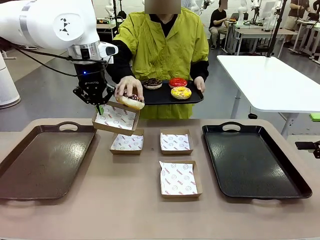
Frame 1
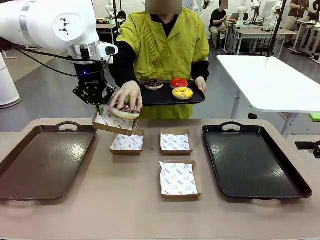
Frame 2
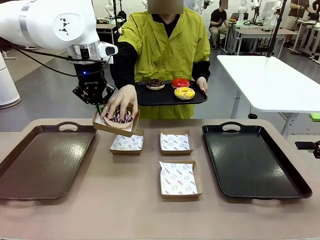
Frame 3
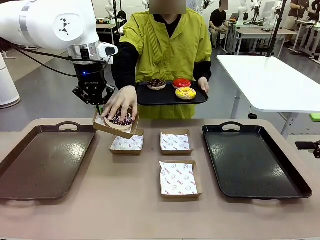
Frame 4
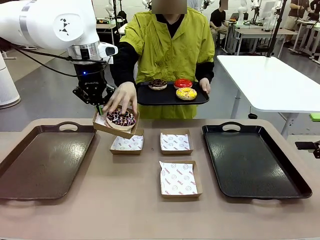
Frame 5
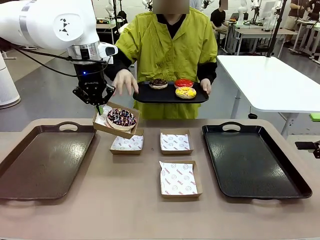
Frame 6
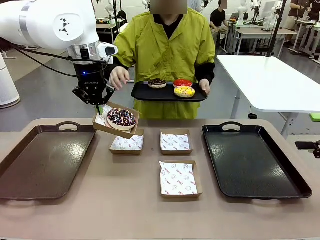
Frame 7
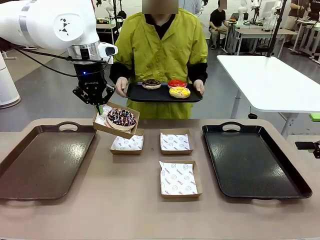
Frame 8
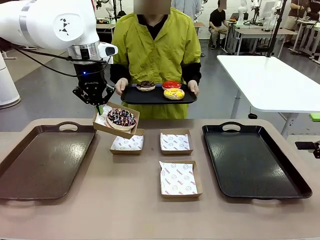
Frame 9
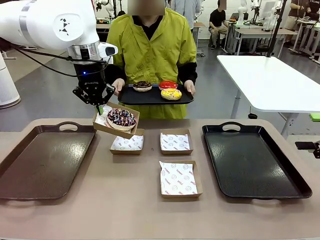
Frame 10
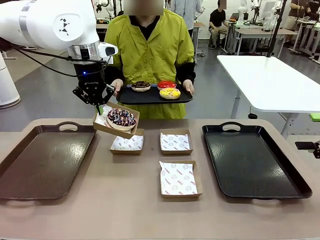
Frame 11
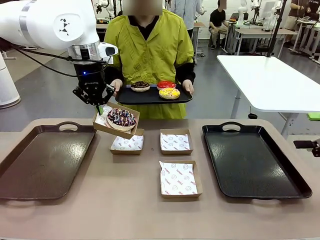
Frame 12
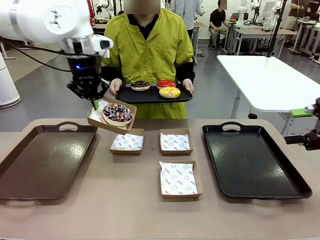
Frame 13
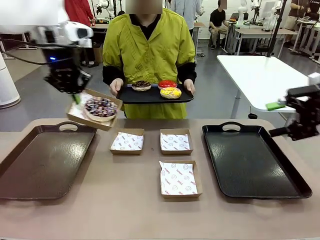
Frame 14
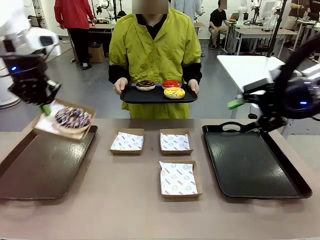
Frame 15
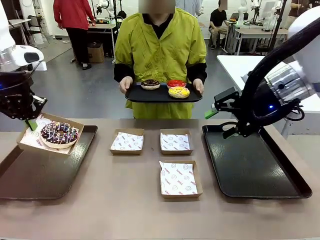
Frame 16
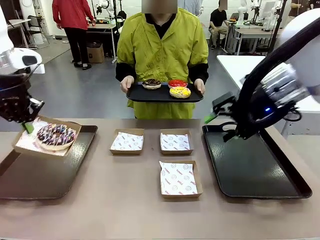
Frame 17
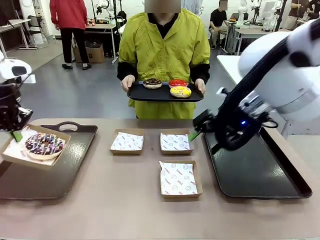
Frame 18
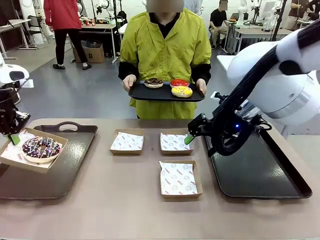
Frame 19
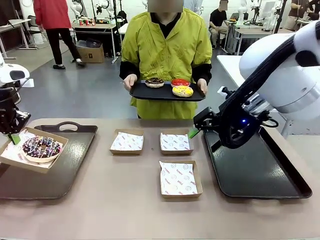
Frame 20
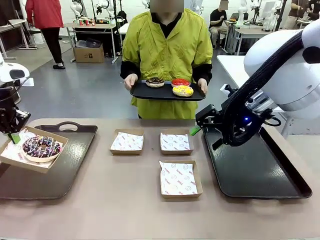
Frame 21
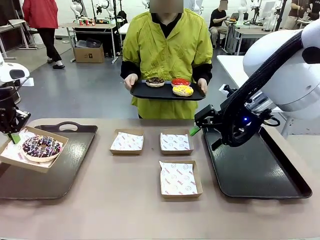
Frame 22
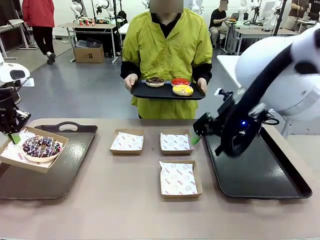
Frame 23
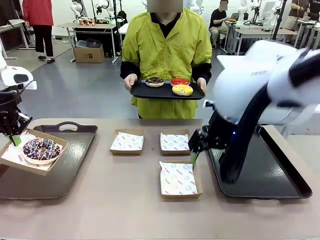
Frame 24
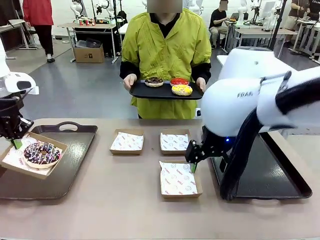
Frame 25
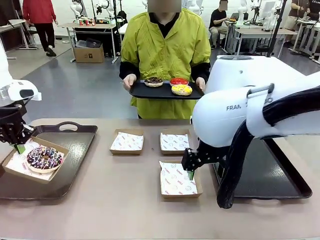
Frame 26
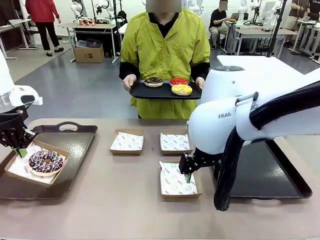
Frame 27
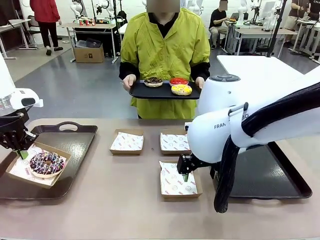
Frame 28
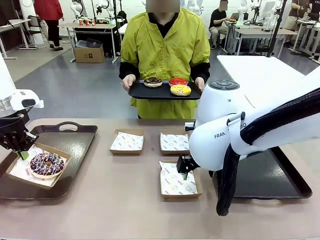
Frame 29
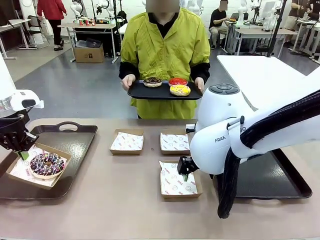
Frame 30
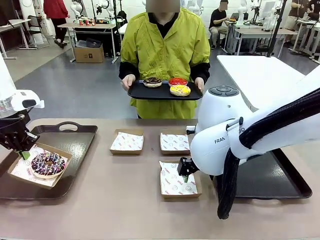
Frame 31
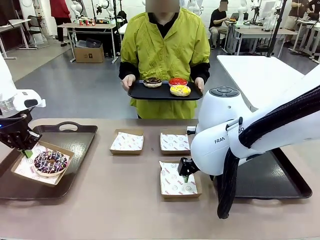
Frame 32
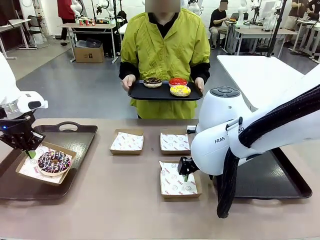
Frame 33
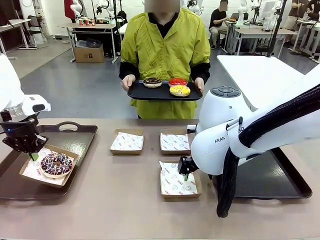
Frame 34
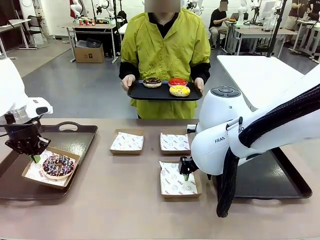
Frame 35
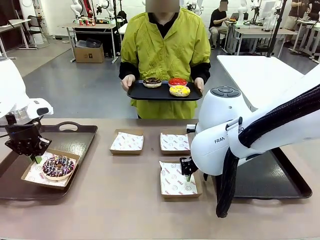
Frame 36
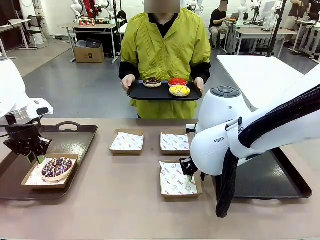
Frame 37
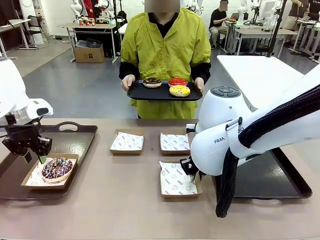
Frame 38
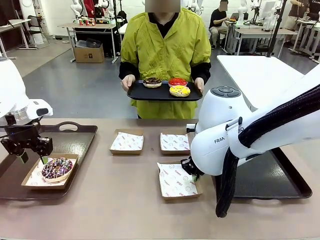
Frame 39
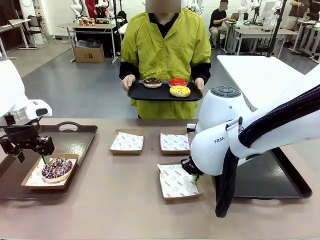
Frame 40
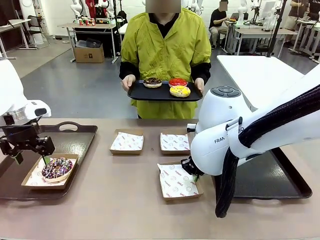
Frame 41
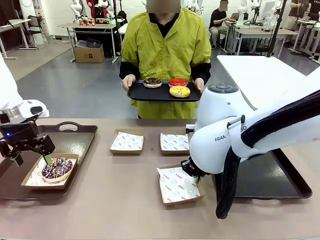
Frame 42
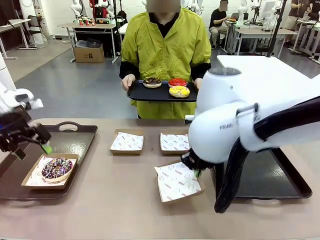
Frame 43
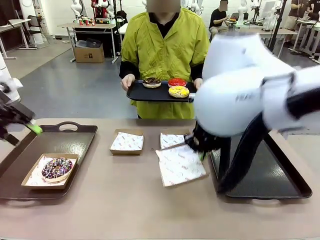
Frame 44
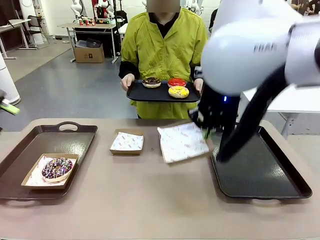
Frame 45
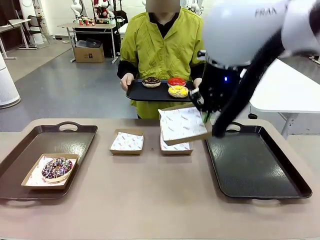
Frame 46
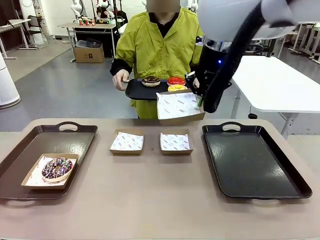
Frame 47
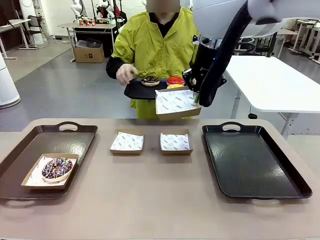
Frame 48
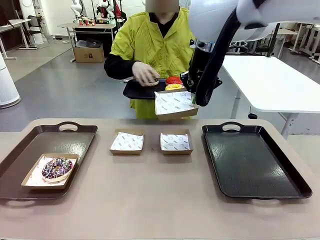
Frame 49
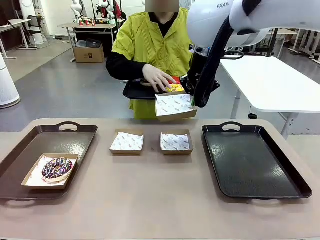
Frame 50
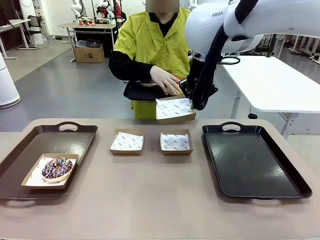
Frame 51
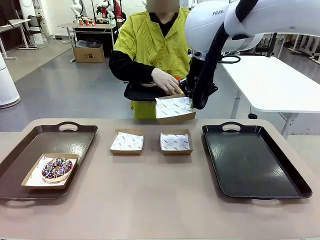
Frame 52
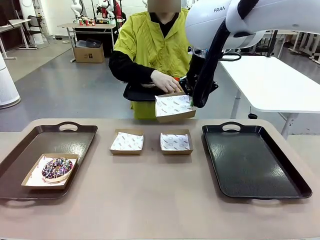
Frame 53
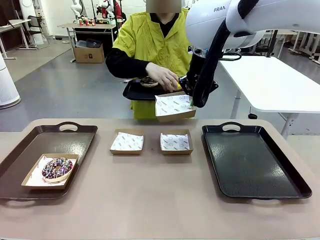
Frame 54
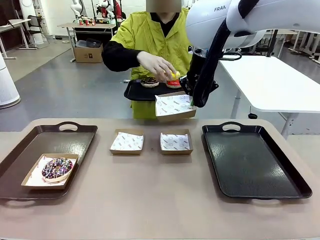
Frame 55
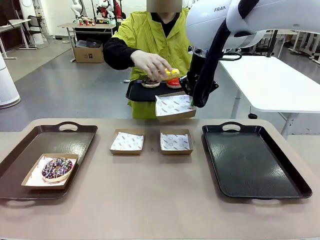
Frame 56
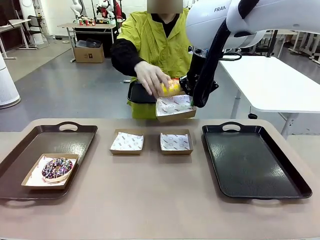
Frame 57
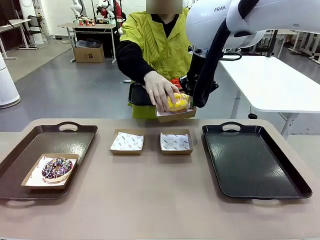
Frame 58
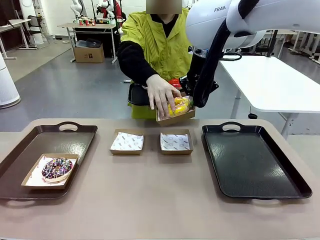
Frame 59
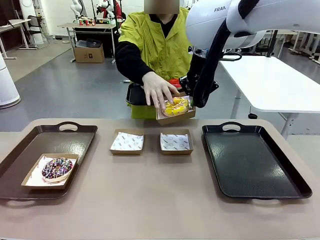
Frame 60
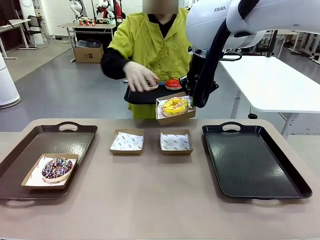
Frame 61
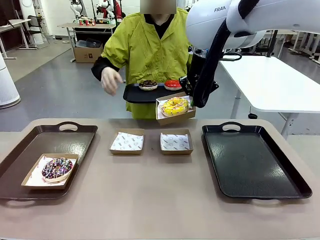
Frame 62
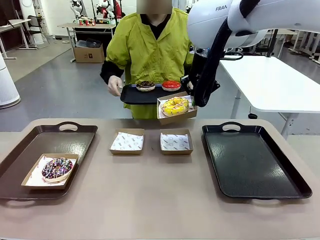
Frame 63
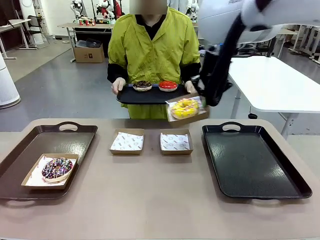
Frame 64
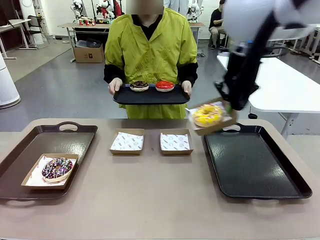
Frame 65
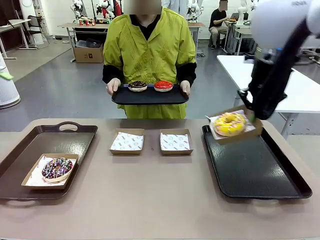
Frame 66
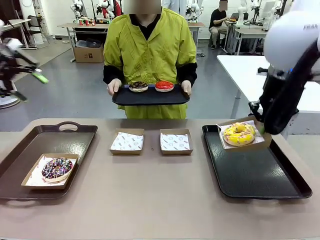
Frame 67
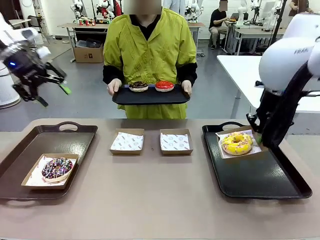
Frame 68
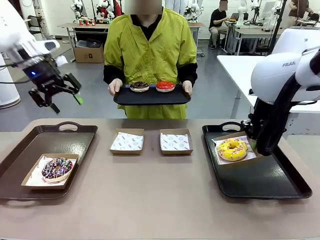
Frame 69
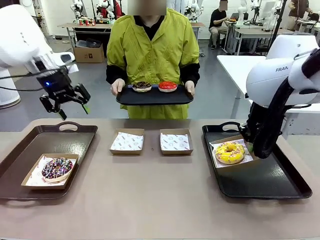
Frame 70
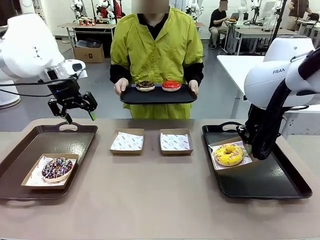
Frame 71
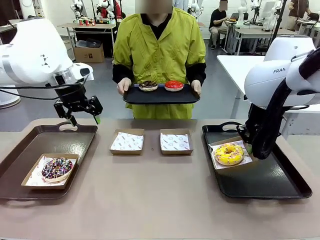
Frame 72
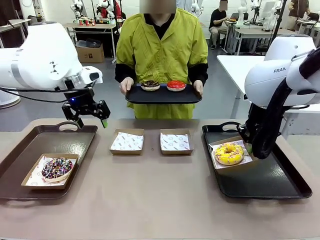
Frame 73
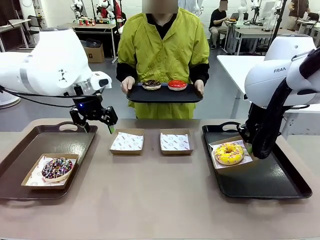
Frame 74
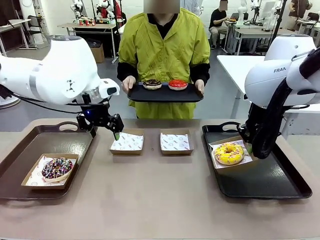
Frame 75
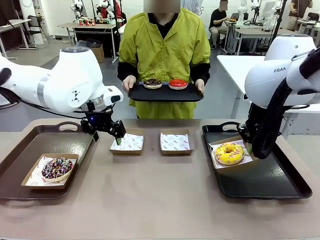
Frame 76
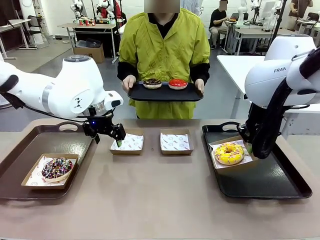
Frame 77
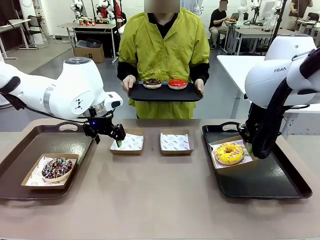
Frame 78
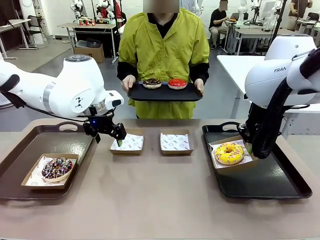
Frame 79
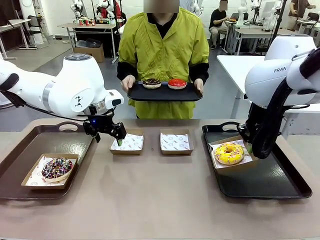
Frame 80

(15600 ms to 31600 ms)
Task: Individually package the donuts and arrange them on the tray.
Robot: Place the picked Paper togo box on the Handle tray while simultaneously picking up another Paper togo box from the table with the other hand.
